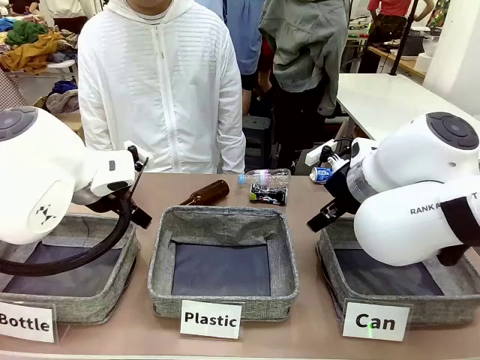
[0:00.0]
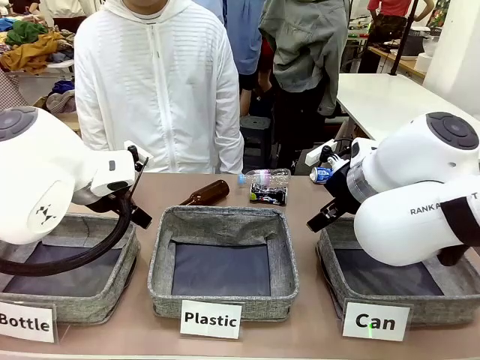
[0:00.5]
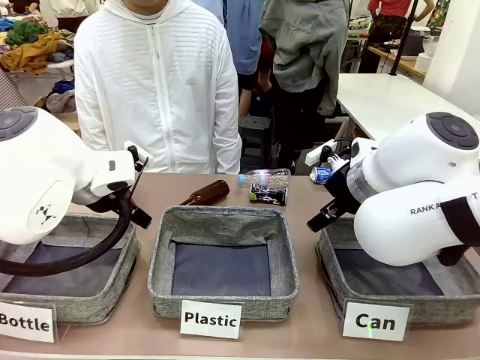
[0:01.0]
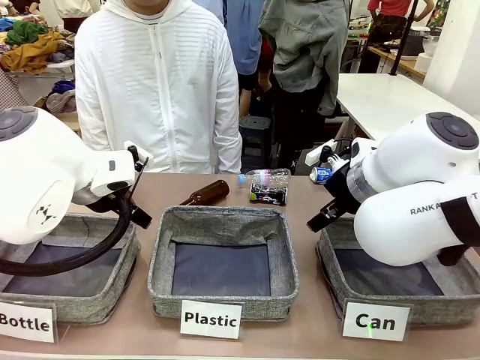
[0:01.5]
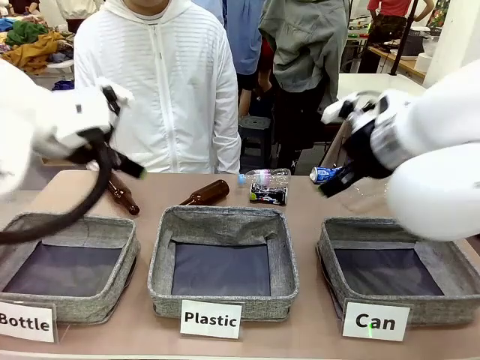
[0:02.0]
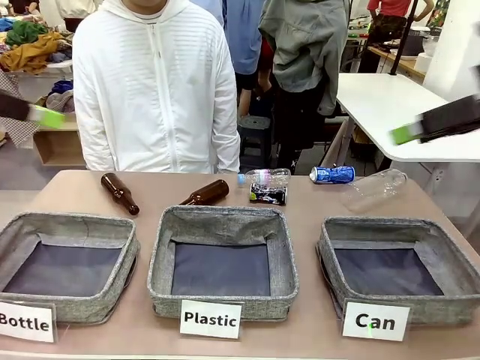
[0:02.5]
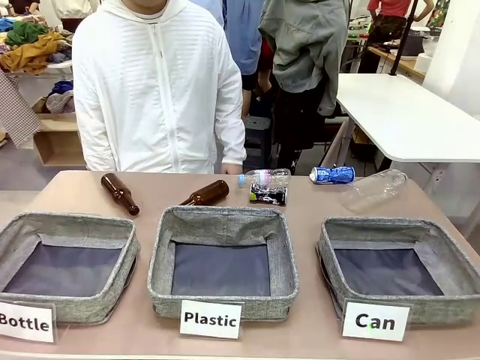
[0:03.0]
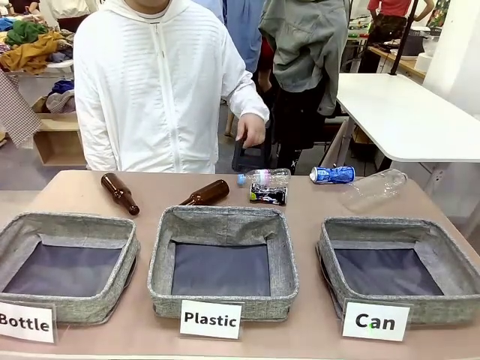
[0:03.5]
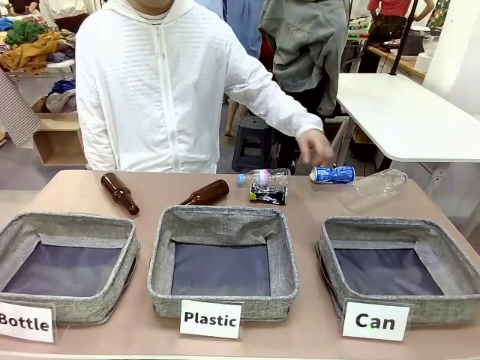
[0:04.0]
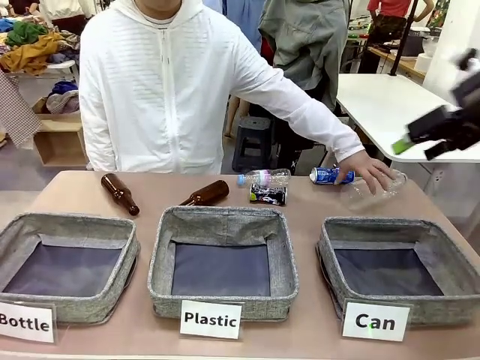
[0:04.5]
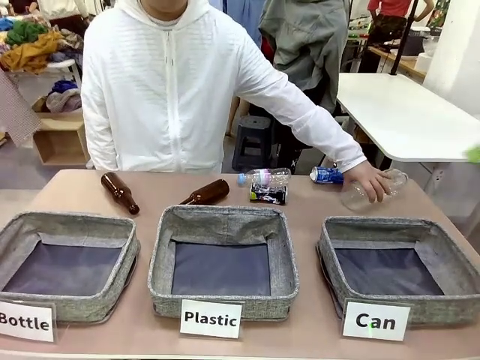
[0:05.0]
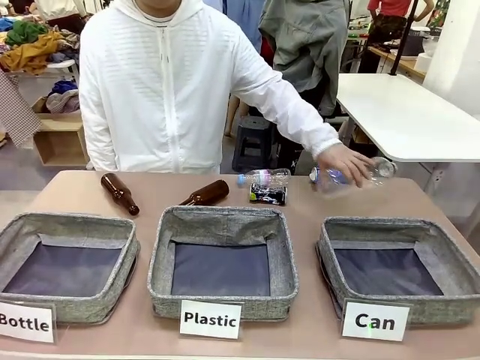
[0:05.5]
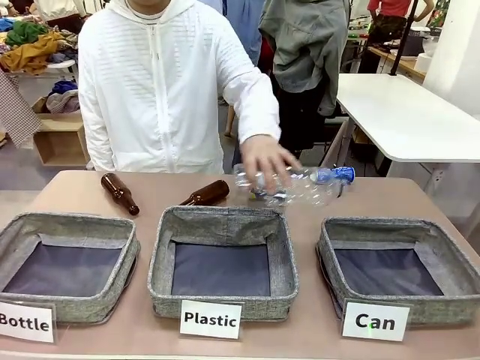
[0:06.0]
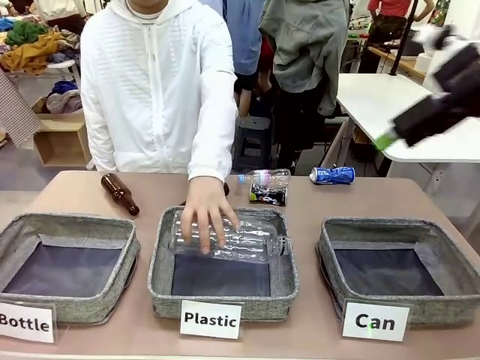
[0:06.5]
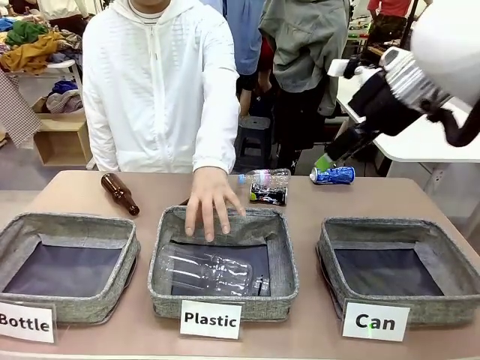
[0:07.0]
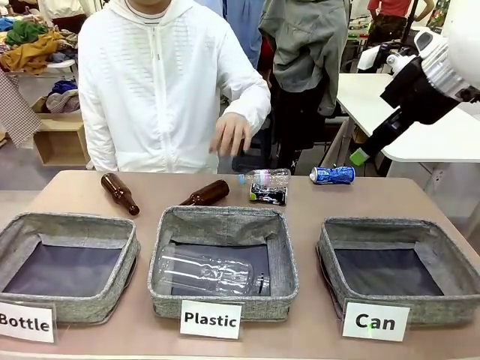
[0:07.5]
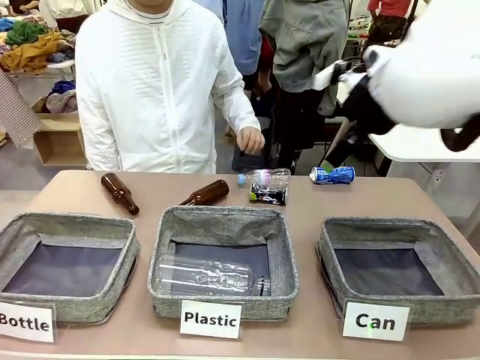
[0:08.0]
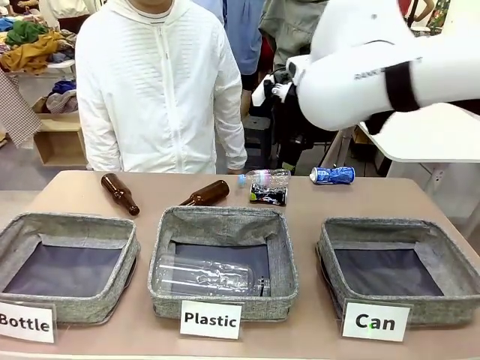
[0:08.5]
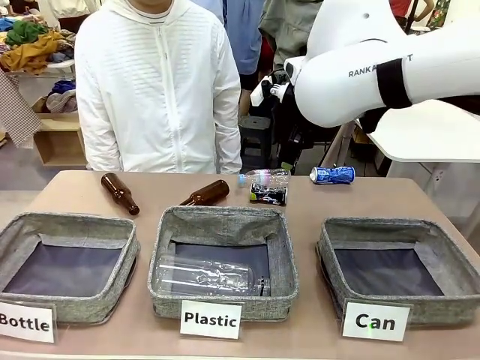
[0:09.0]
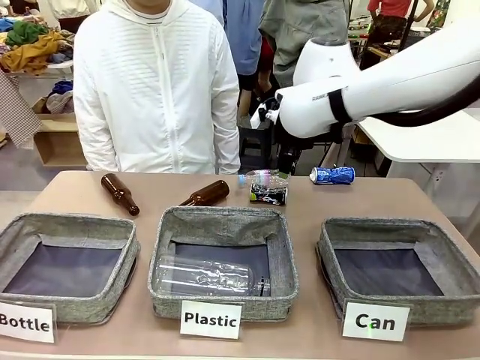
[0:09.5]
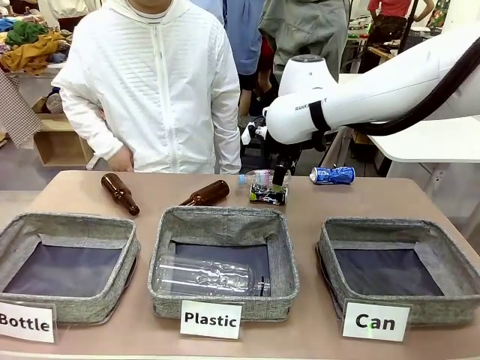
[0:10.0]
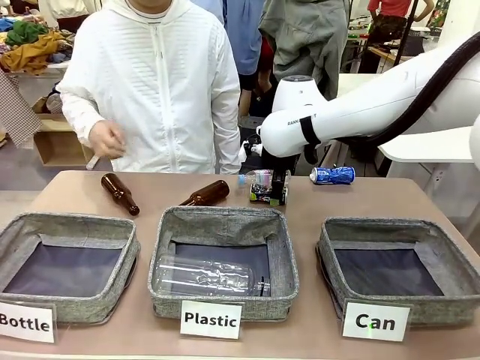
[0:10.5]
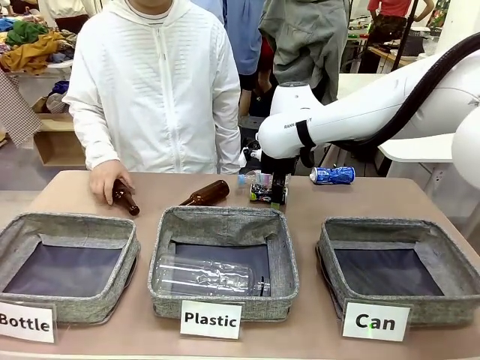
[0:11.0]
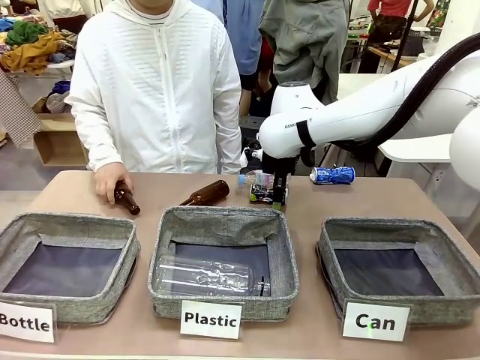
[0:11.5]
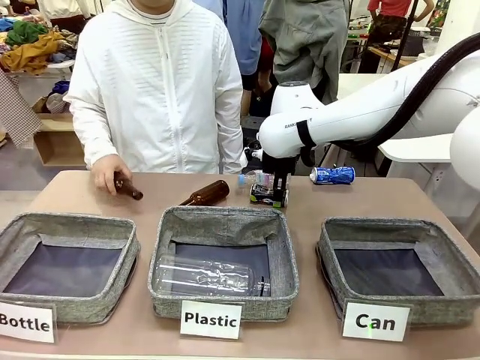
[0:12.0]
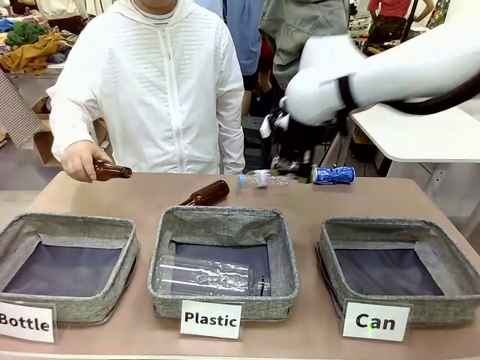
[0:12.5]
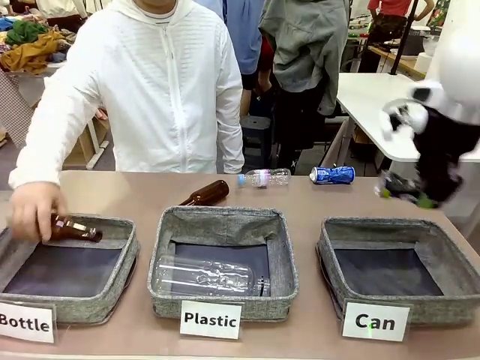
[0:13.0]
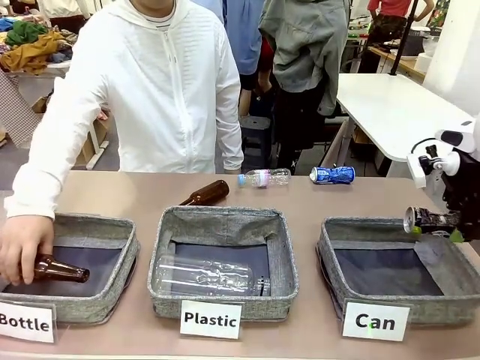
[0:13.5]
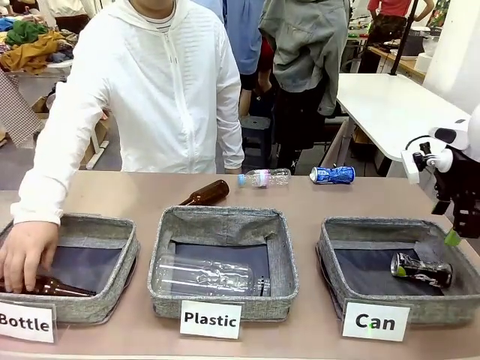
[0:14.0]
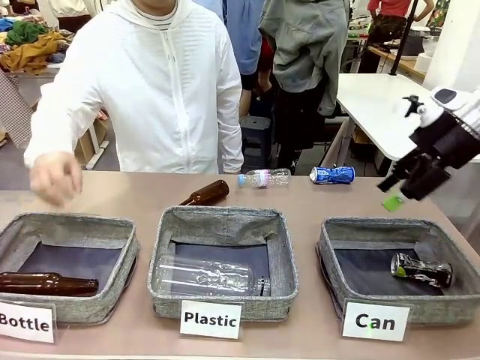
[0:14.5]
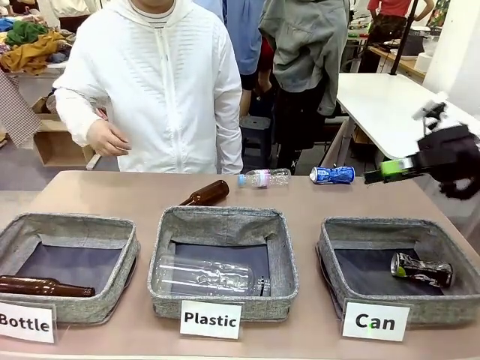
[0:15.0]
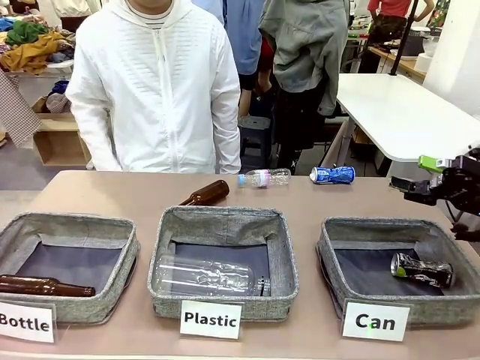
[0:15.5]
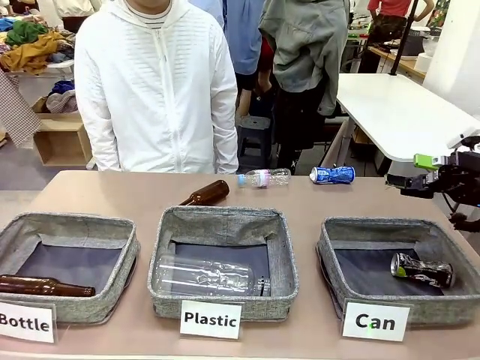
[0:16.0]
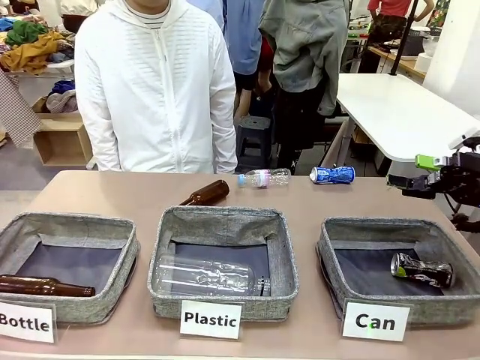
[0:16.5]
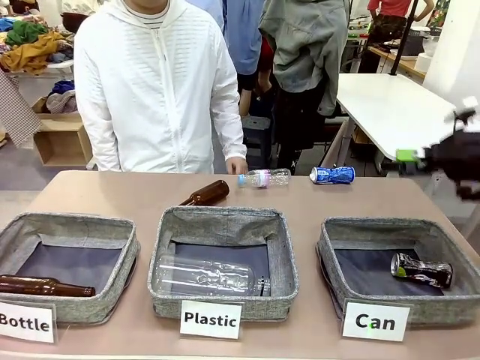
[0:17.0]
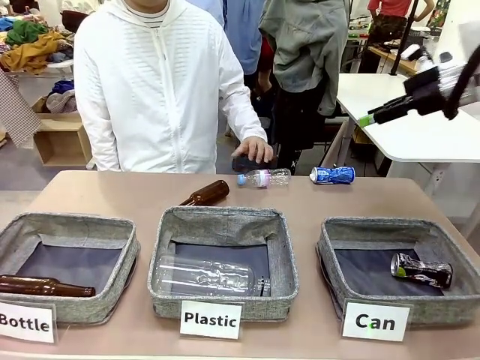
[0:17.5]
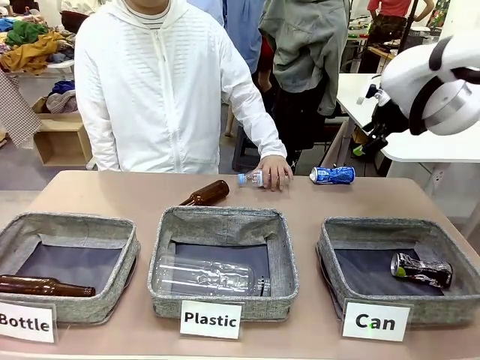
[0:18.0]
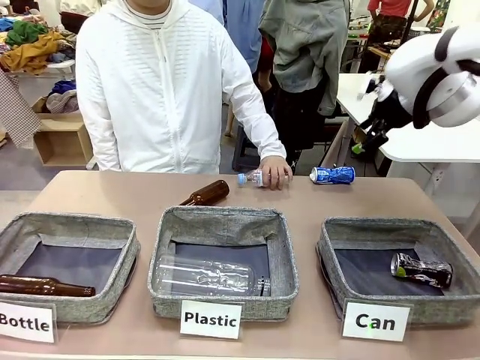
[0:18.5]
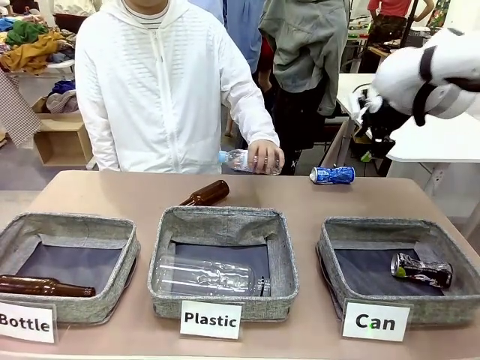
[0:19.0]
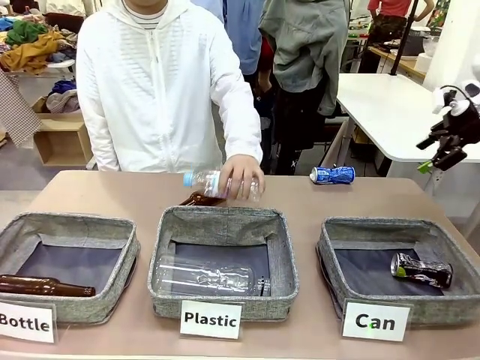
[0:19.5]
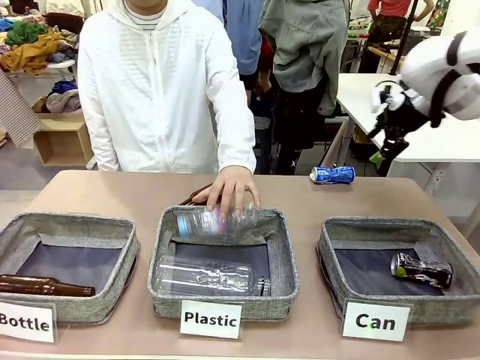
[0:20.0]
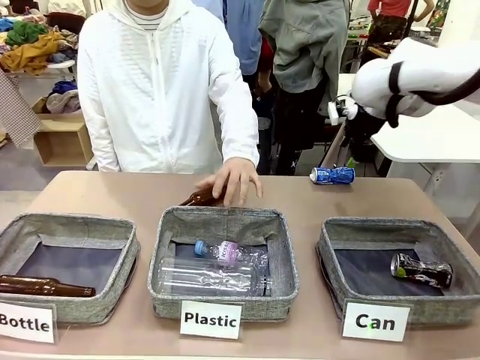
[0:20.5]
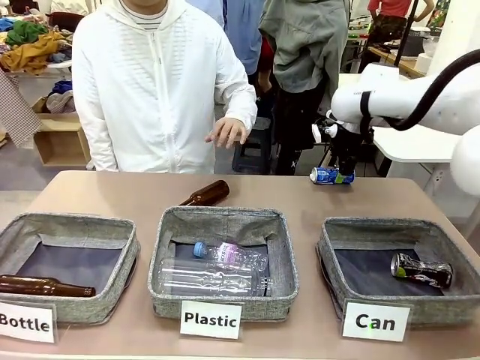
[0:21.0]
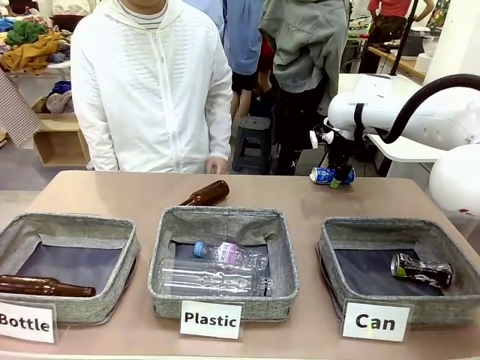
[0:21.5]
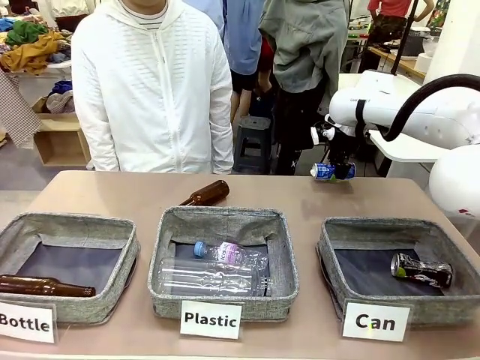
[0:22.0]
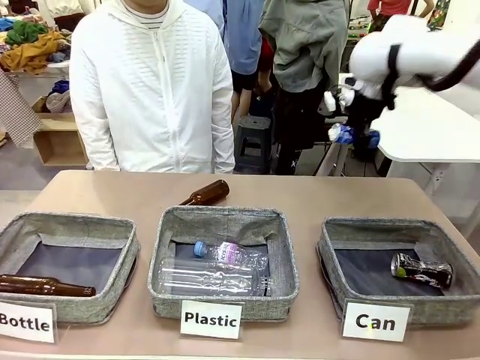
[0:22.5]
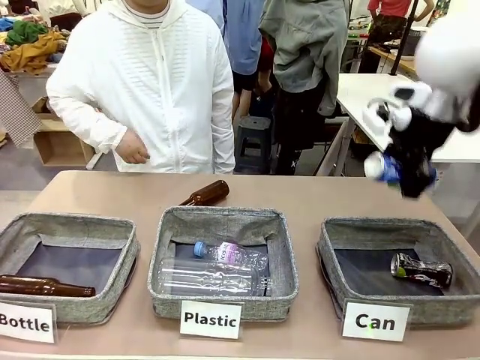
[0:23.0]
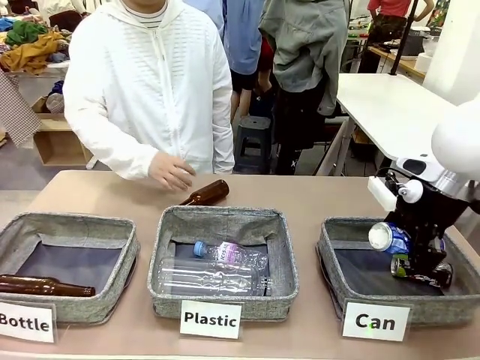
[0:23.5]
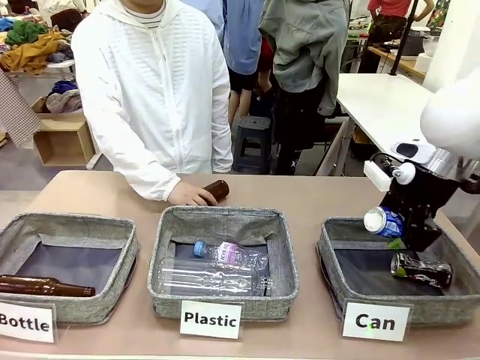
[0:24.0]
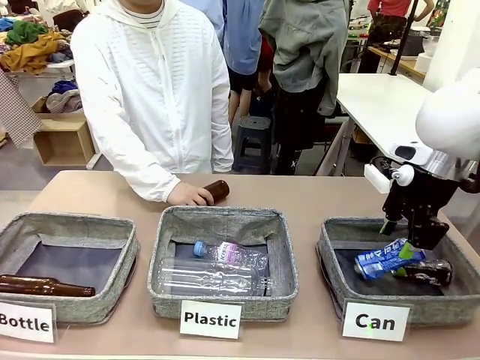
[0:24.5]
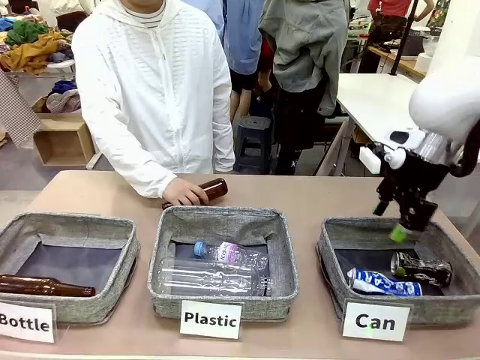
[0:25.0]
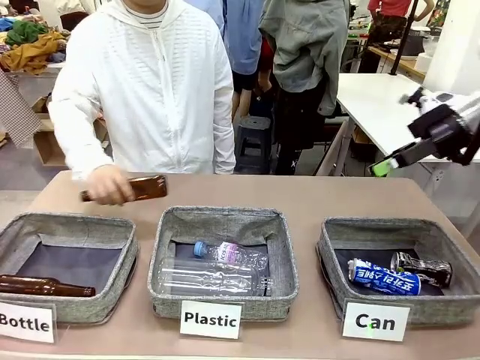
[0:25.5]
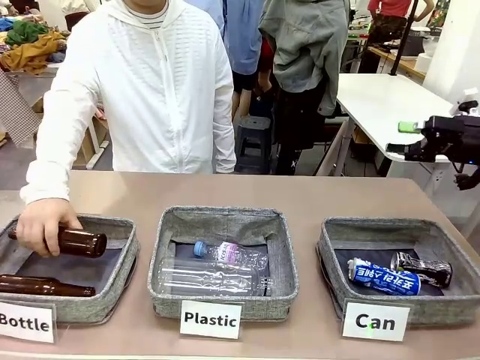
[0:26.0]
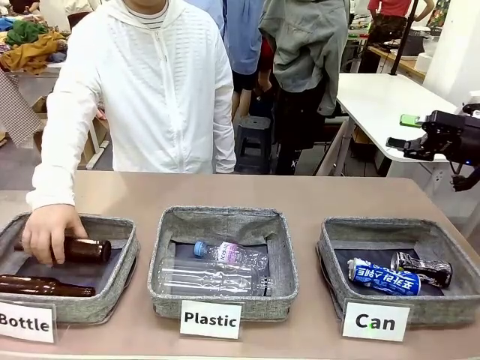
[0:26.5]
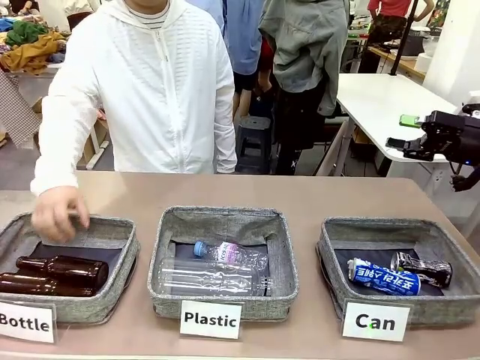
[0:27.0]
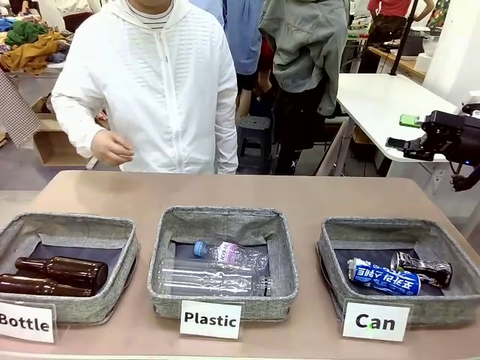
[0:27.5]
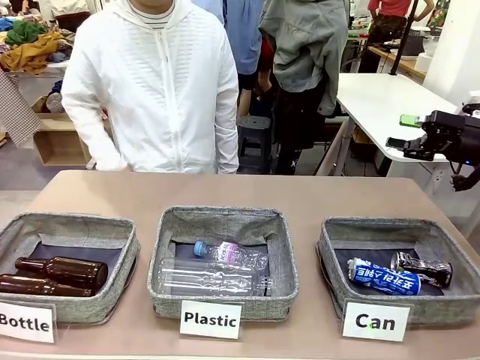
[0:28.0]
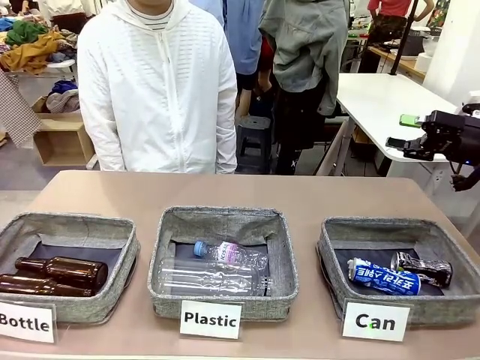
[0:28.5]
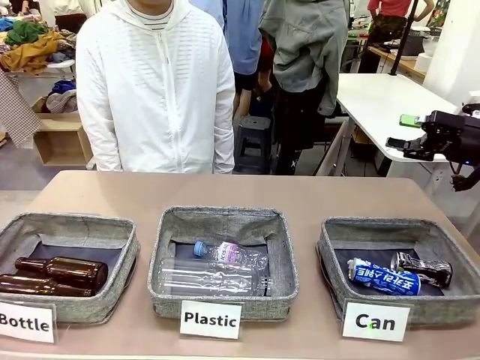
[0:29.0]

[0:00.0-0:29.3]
Task: Sort the can waste into the basket.
Robot: Pick up the can waste from the table and place it in the right Fabric basket.
Person: The human picks up one piece of trash that is not a can and places the trash into the appropriate organizing basket.
